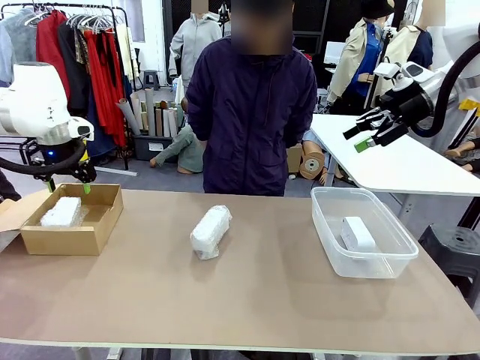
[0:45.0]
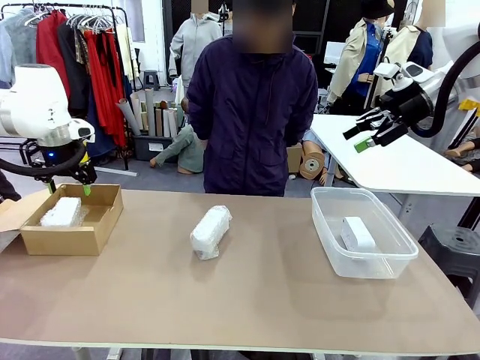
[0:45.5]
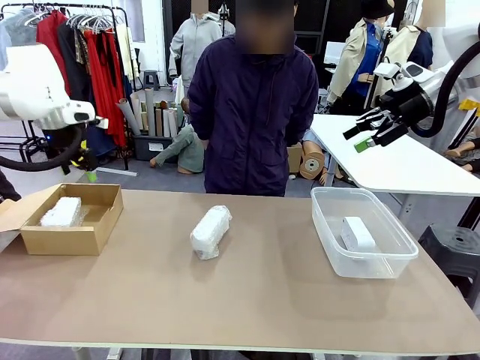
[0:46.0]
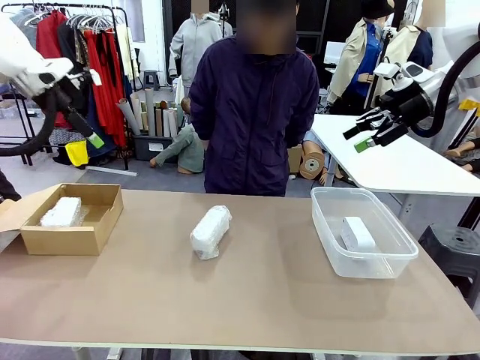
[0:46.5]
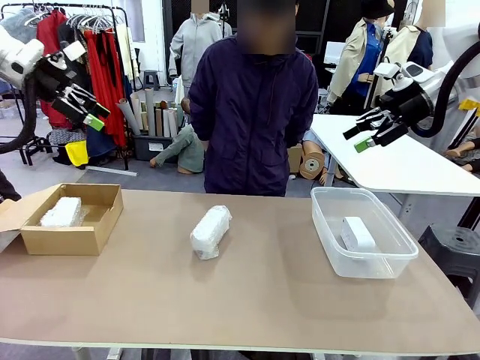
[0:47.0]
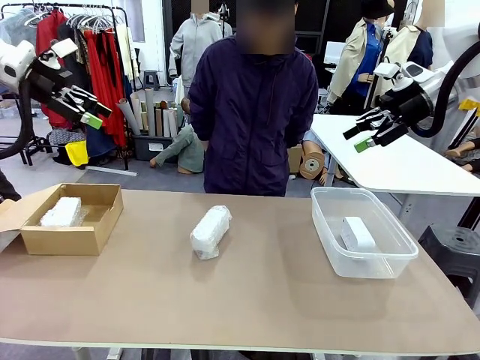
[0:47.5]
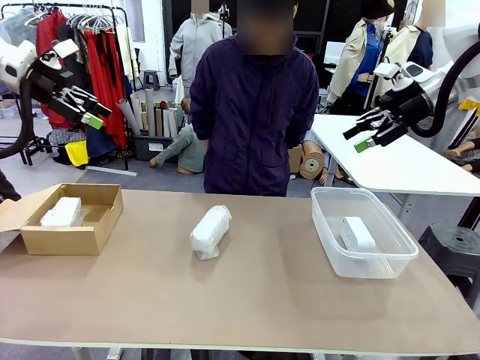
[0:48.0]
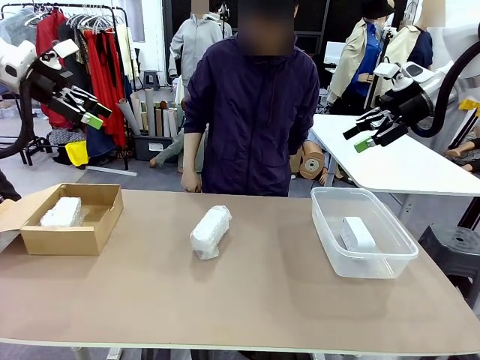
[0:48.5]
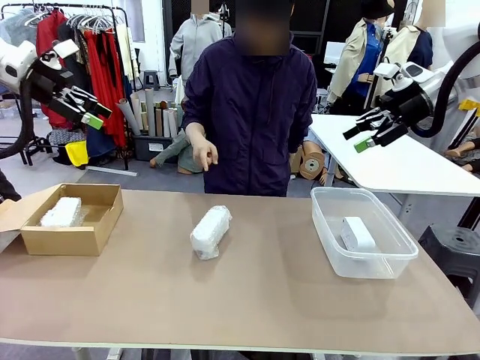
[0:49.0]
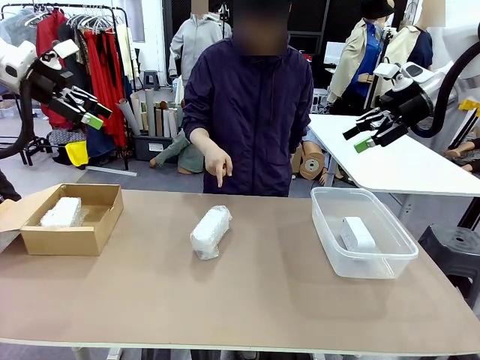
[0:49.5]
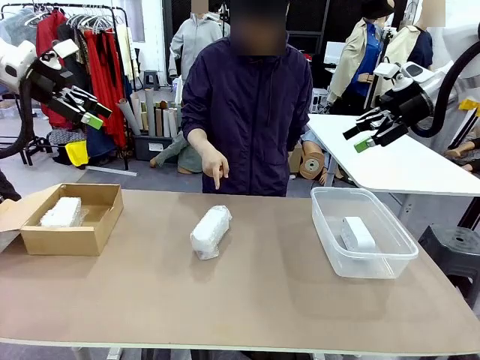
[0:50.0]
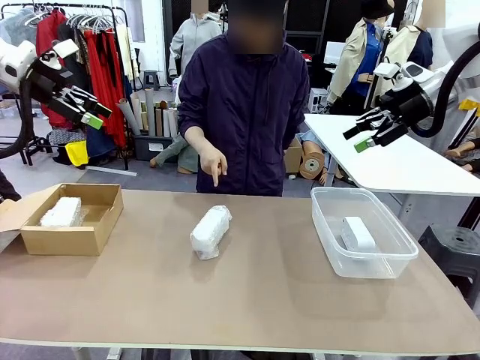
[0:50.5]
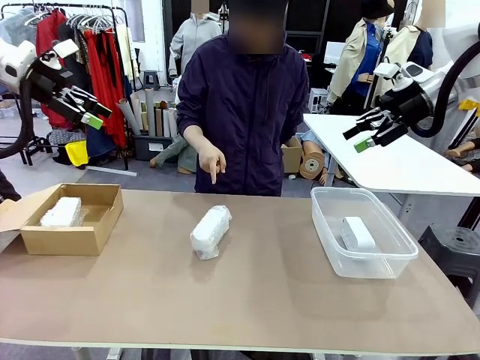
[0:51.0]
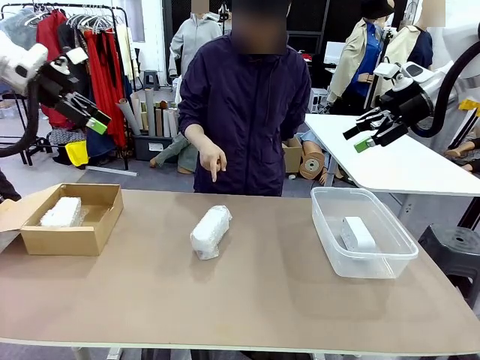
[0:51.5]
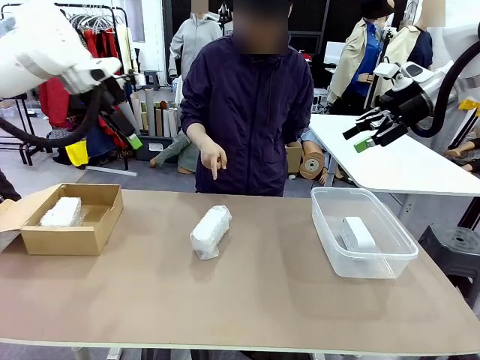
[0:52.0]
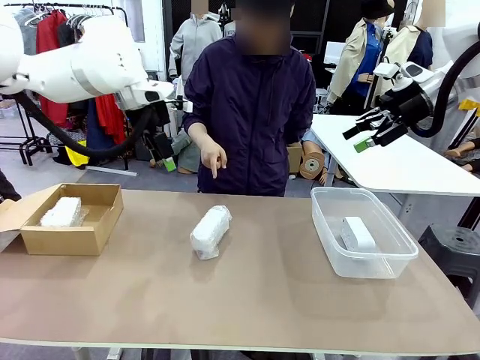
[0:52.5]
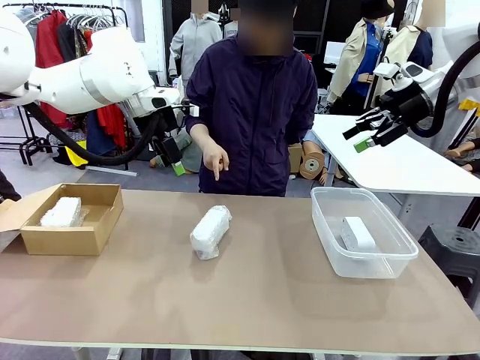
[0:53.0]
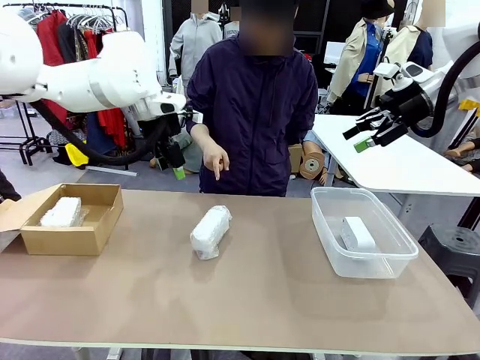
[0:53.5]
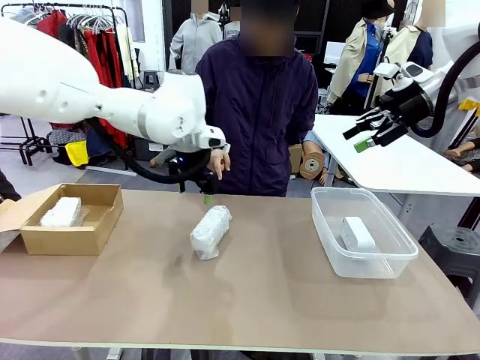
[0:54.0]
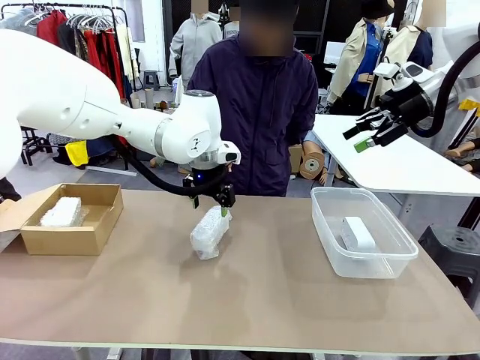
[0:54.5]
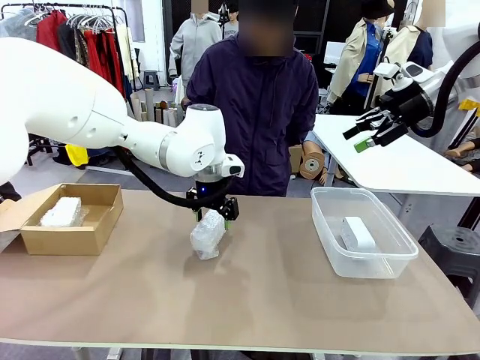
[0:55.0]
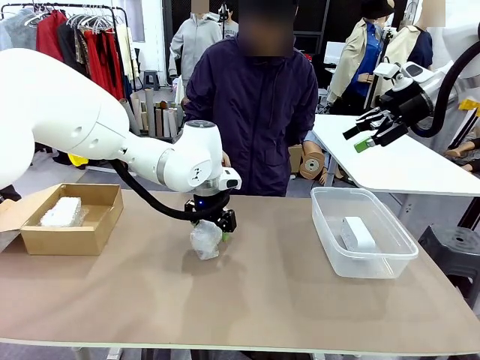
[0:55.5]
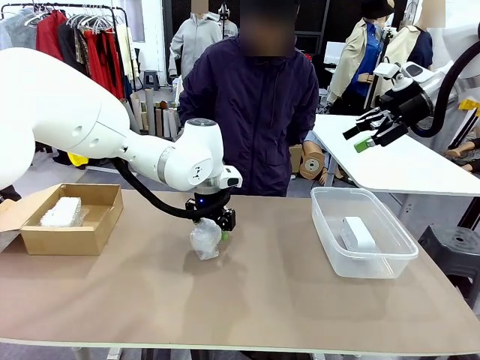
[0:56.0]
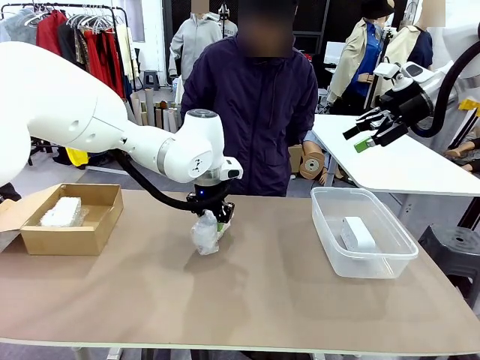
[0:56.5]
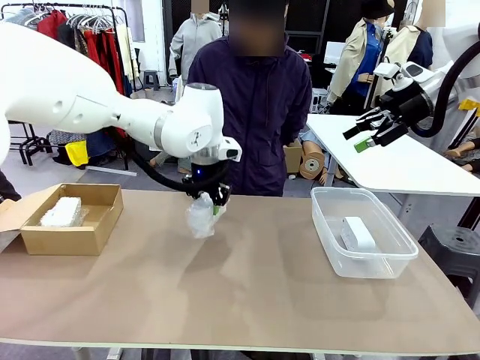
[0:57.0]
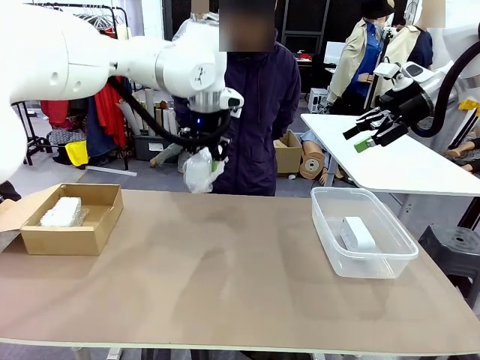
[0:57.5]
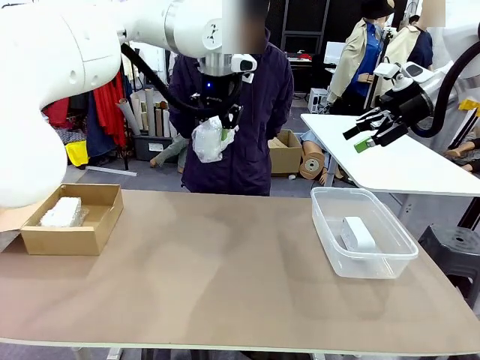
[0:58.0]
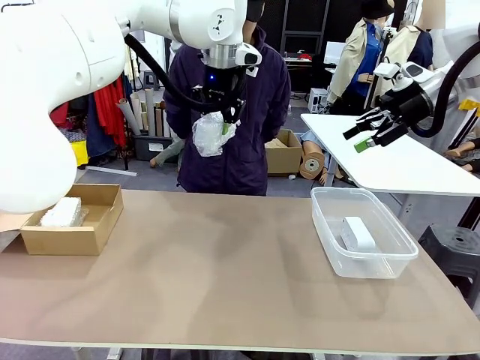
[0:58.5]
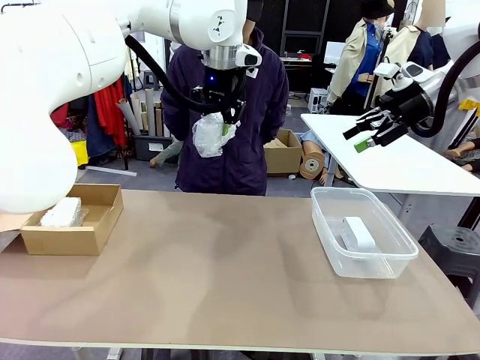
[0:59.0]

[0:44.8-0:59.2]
Task: Separate and place wrapped and unwrapped clocks.
Robot: Pick up the Digital clock indicated by the person.

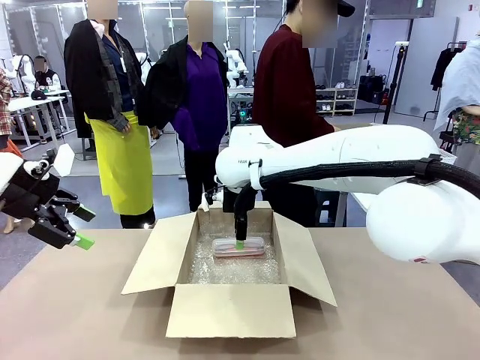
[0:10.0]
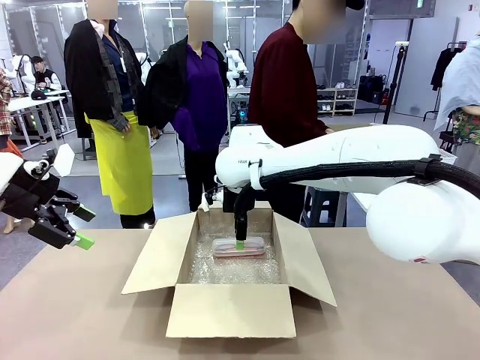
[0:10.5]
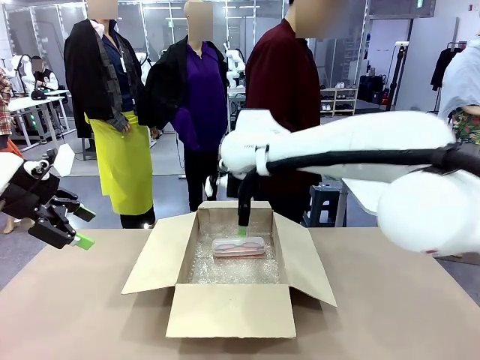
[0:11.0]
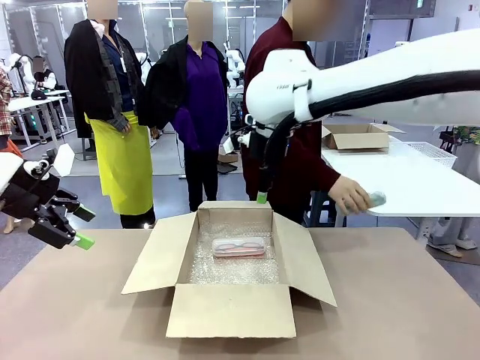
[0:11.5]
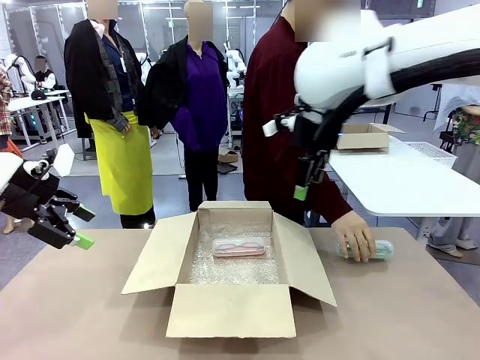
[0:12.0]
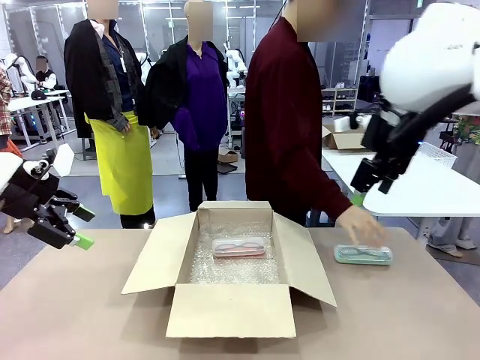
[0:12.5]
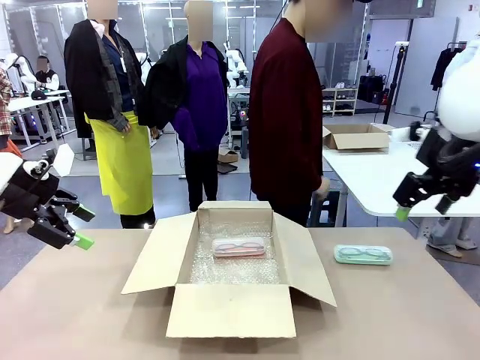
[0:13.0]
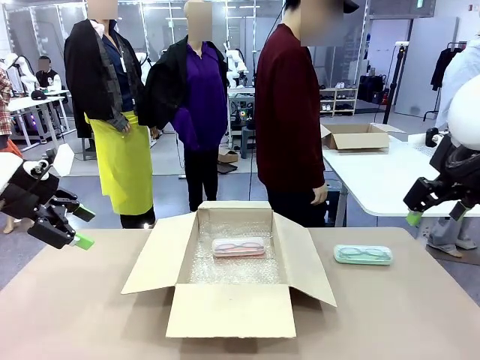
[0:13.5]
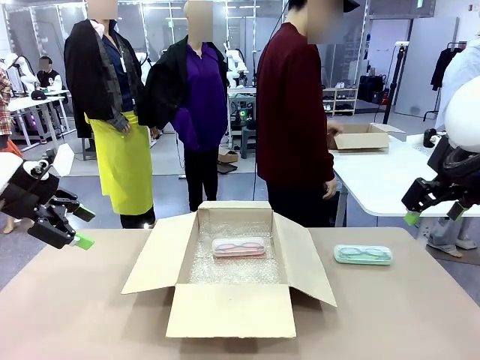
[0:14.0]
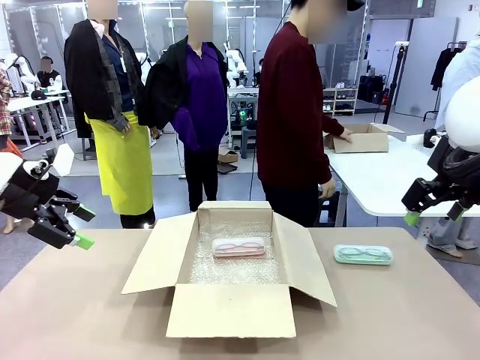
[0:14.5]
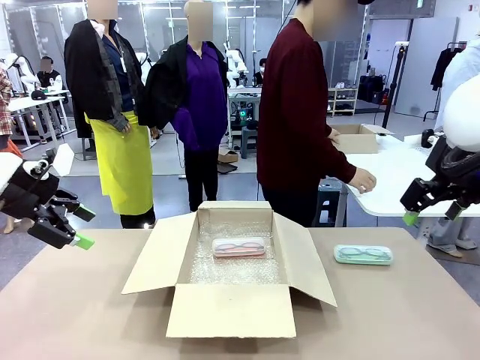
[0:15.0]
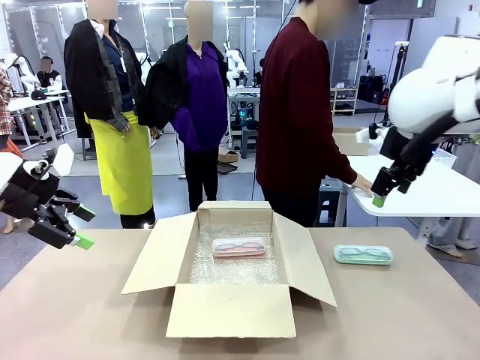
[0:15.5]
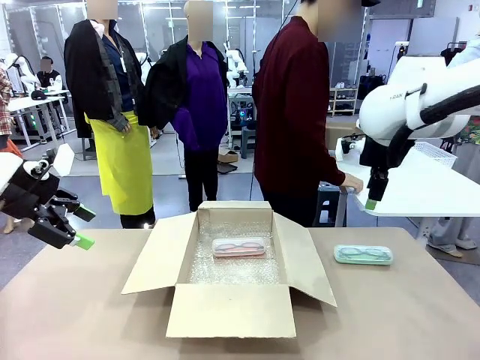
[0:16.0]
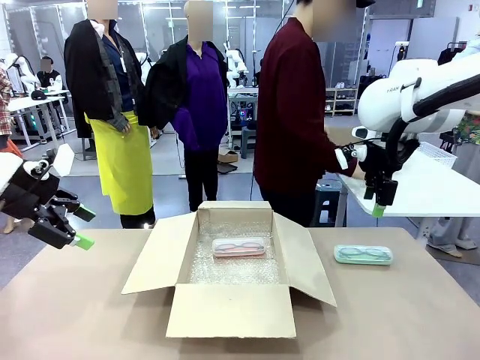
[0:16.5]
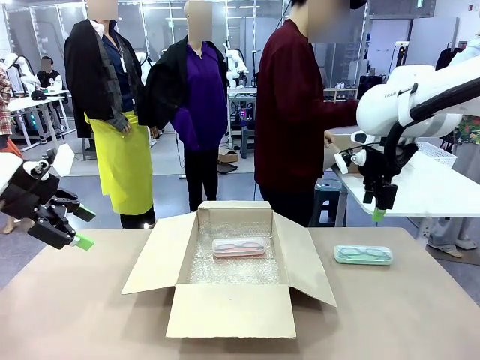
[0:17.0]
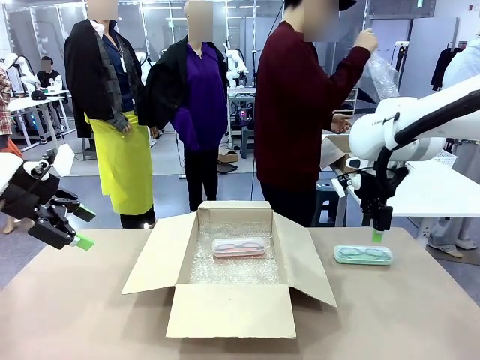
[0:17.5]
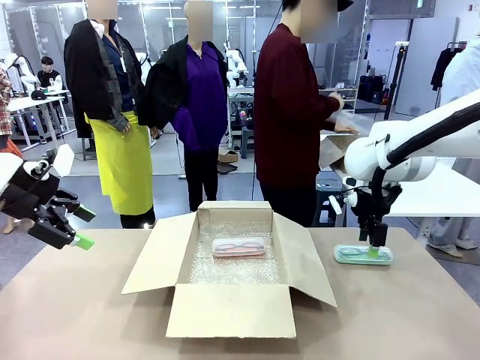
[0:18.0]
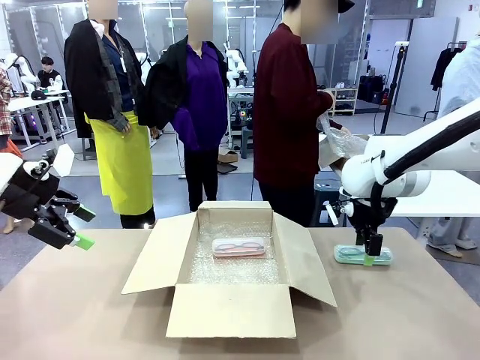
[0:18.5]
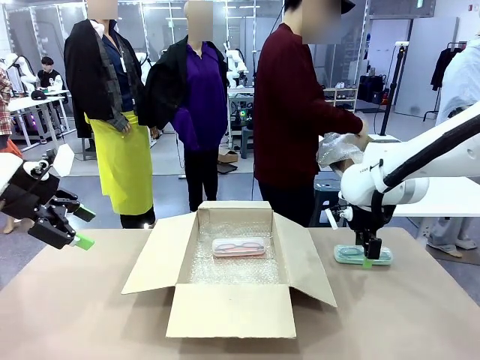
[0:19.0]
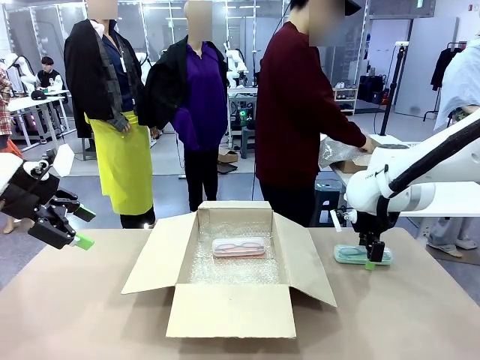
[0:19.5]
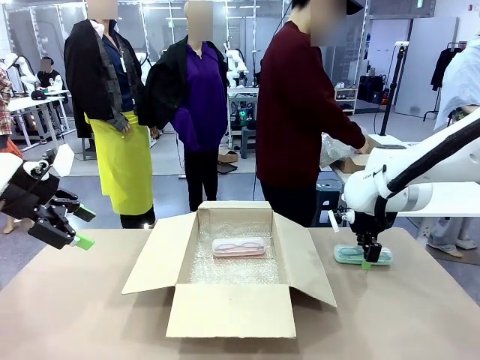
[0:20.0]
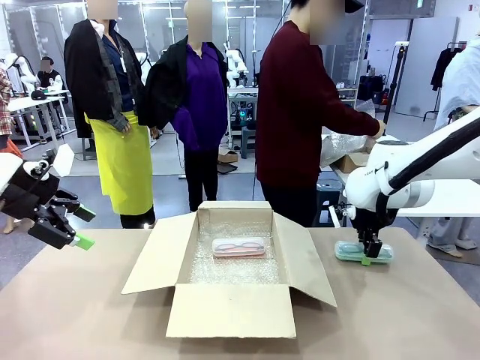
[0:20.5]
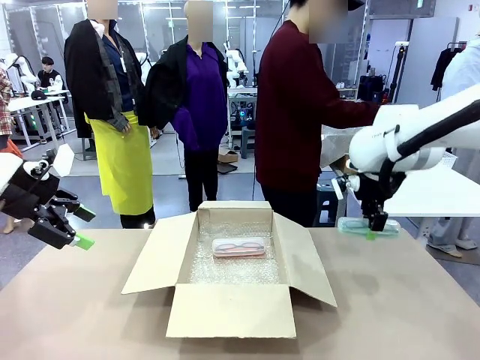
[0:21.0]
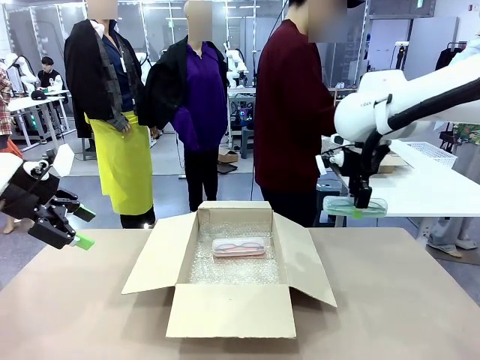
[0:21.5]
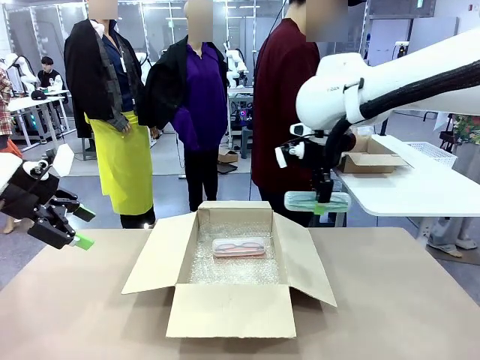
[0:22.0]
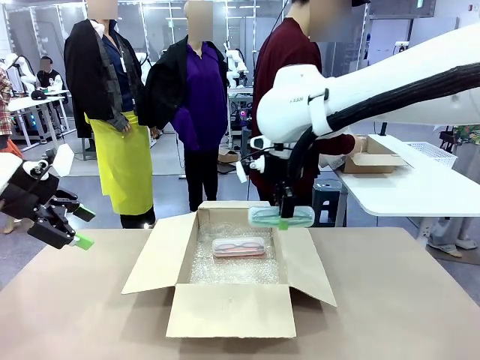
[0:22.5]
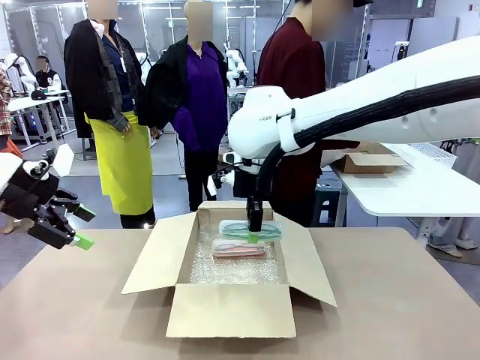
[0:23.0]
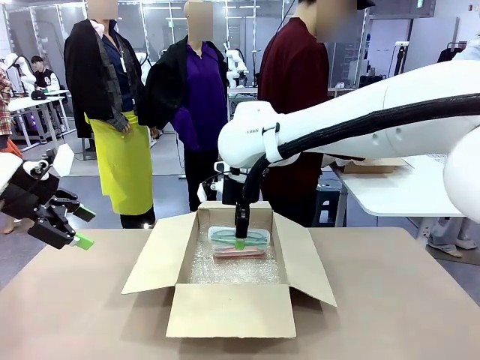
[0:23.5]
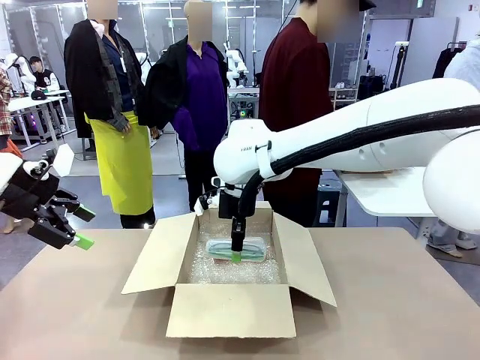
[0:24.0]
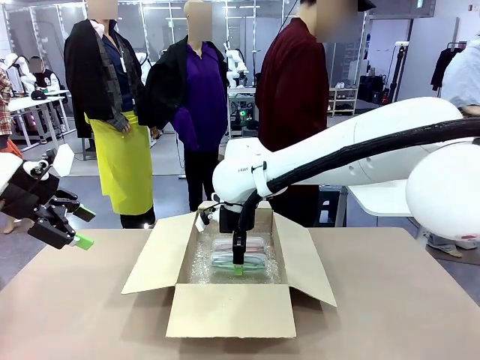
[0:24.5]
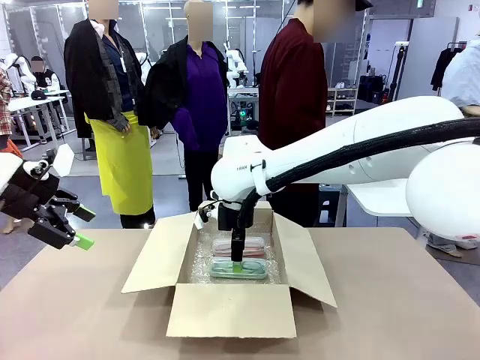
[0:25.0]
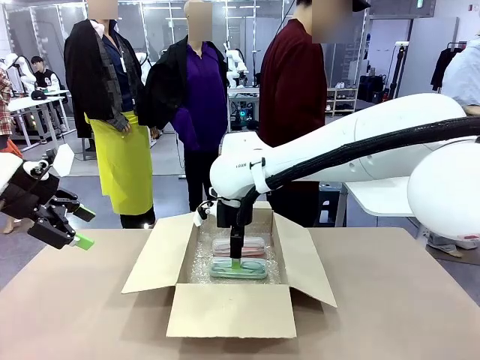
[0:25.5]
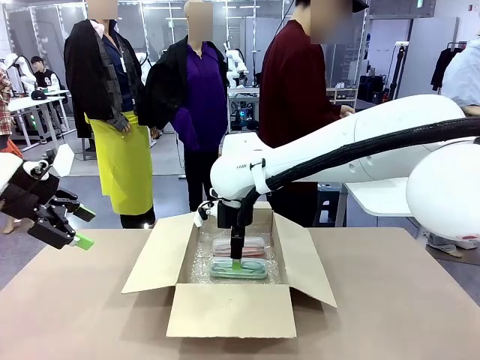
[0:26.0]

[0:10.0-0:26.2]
Task: Pack the glasses set securely to prepare it for shipping.
Robot: Put the Glasses case from the right side of the table into the Package Box.
Person: Position the Glasses case on the left side of the robot's table.
